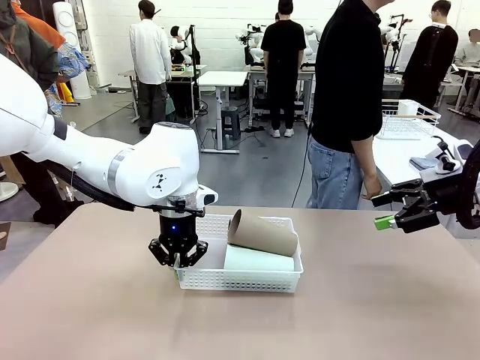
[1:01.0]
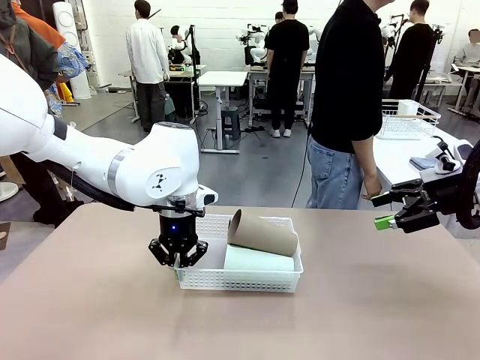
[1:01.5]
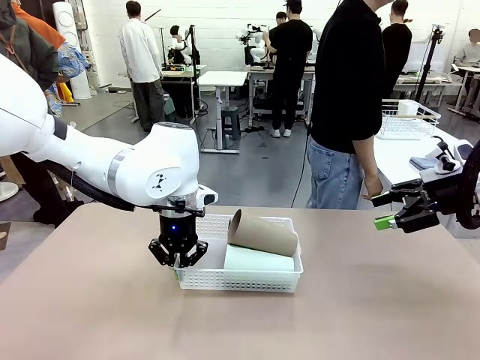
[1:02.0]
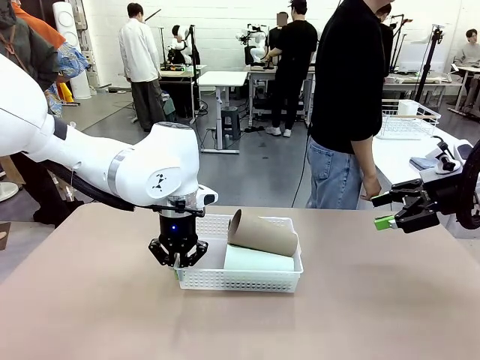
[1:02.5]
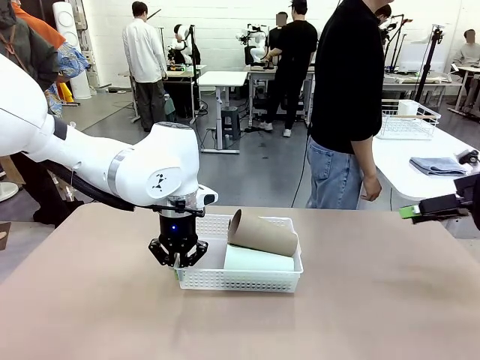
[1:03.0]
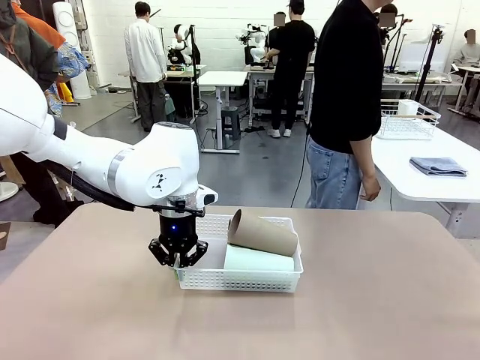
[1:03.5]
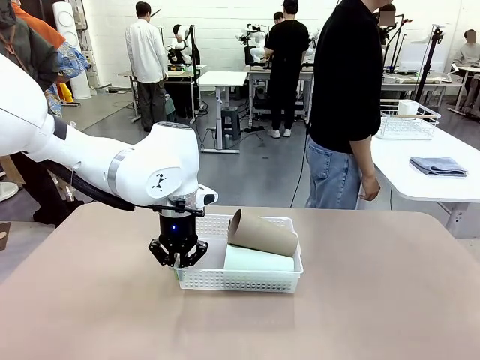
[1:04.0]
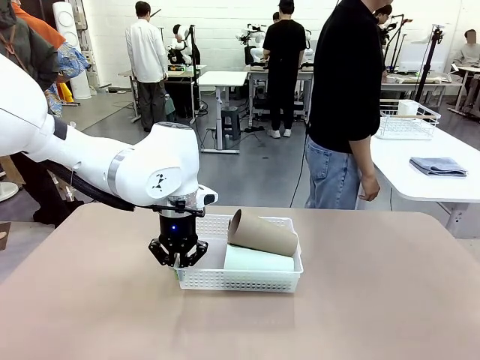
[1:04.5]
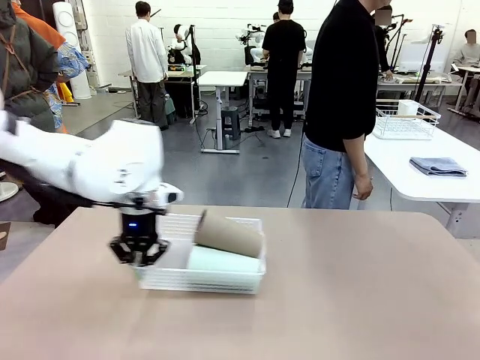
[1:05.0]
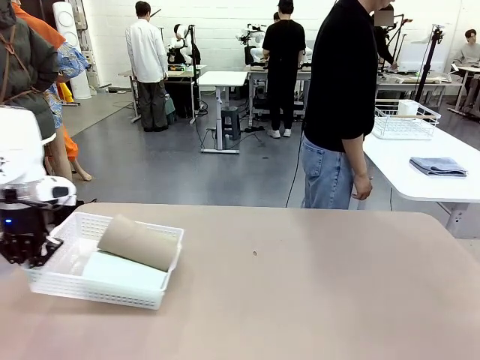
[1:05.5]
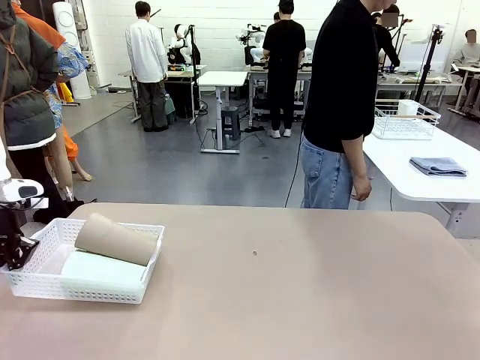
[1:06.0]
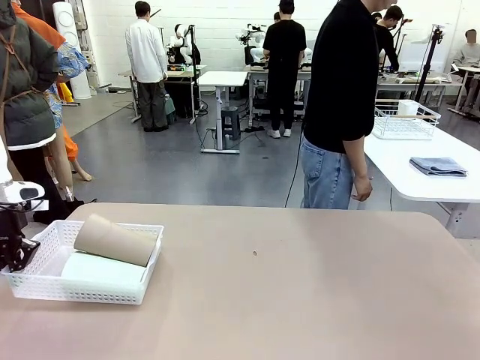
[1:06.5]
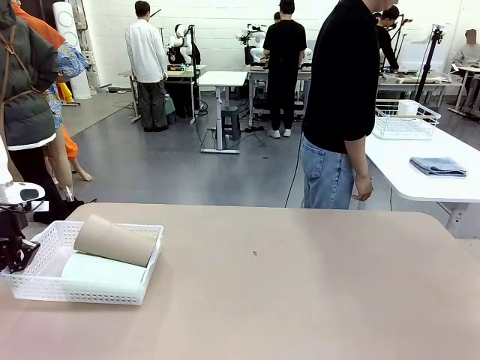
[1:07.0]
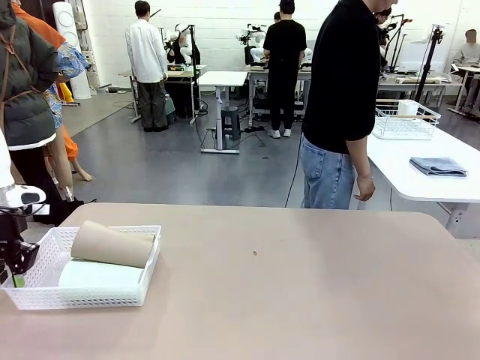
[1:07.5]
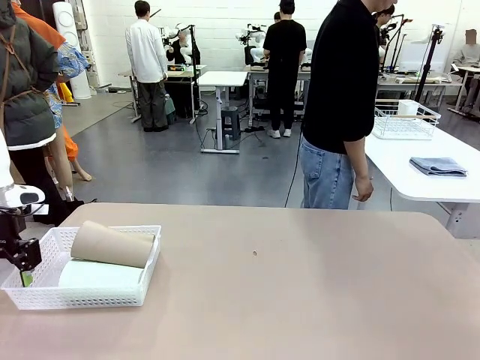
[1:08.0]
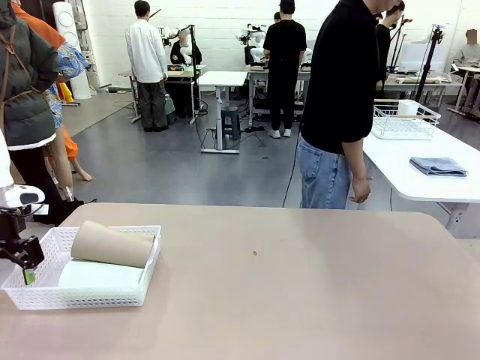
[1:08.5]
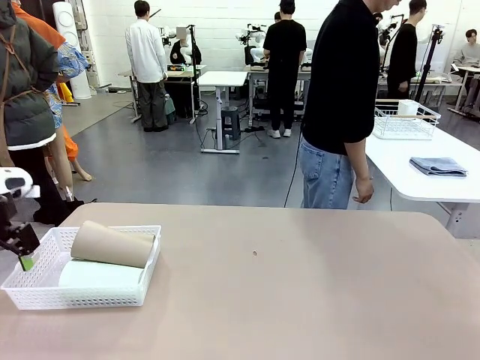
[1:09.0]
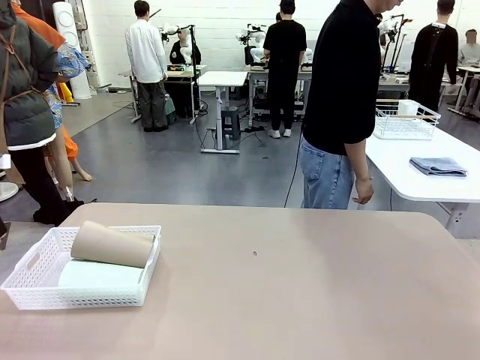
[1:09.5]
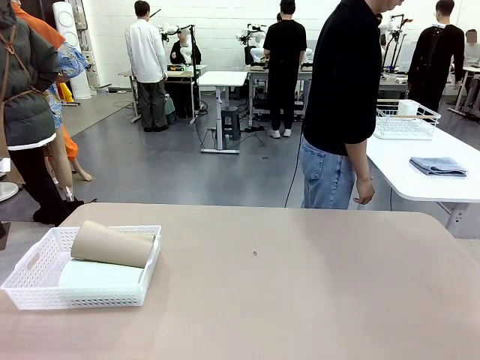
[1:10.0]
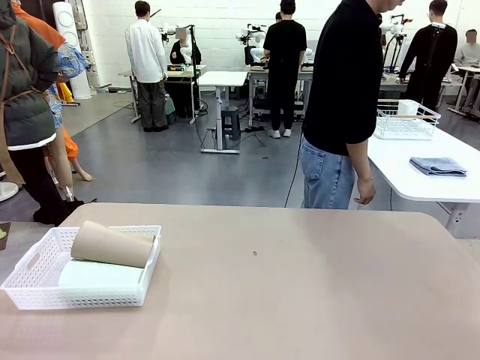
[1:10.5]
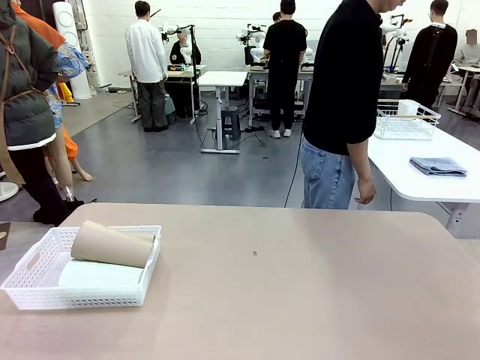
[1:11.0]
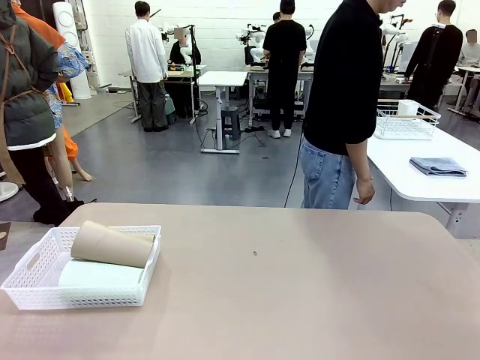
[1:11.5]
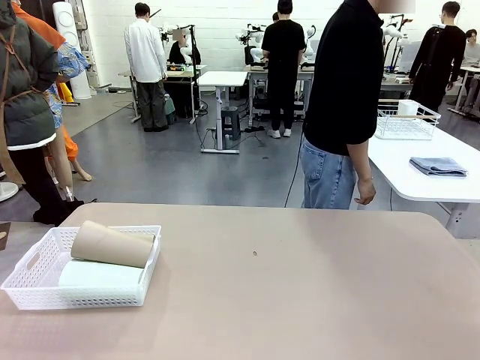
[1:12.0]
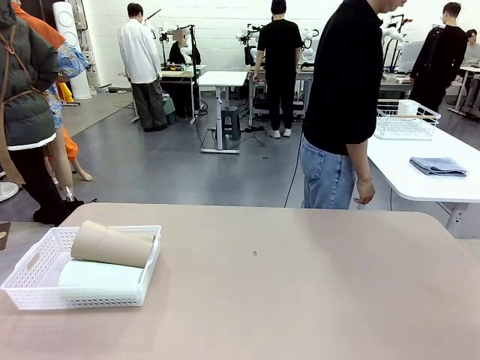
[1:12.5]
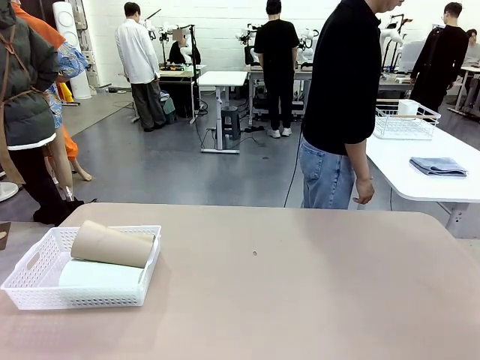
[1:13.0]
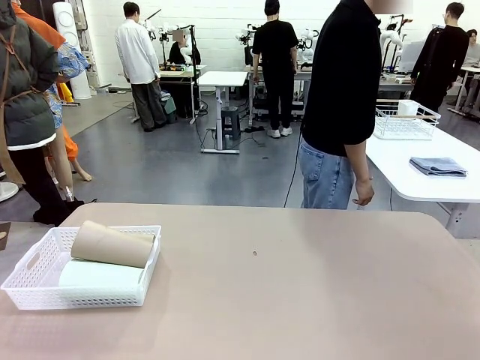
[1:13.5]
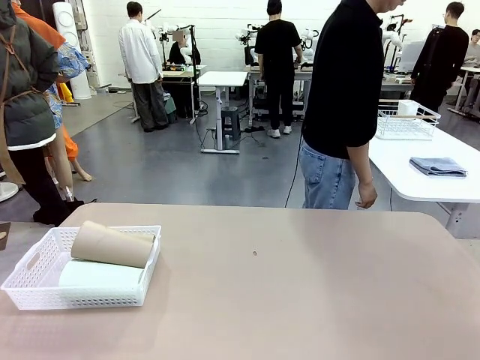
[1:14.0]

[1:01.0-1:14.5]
Task: Clean and organize the cups into the basket.
Robot: Move the Organizing basket back to the left side of the table.
Person: Folds the towel in half twice and places it in the right of the table.

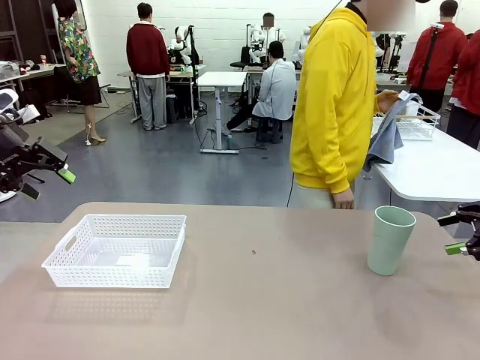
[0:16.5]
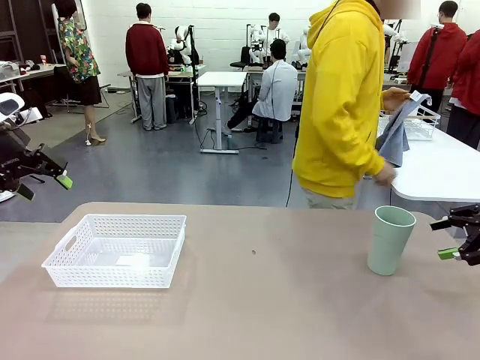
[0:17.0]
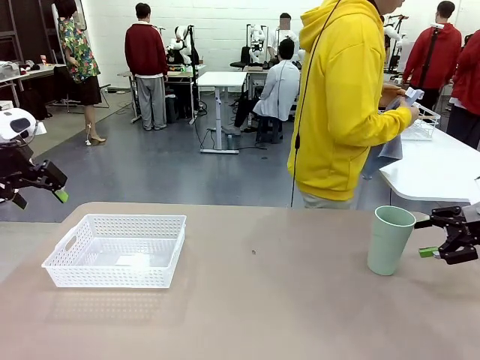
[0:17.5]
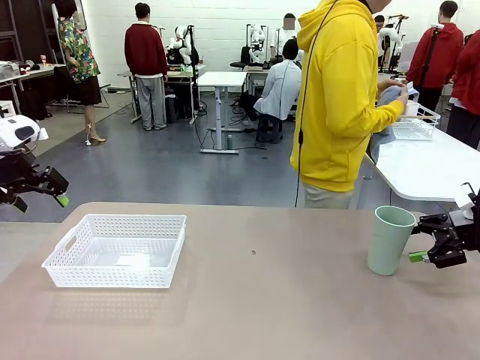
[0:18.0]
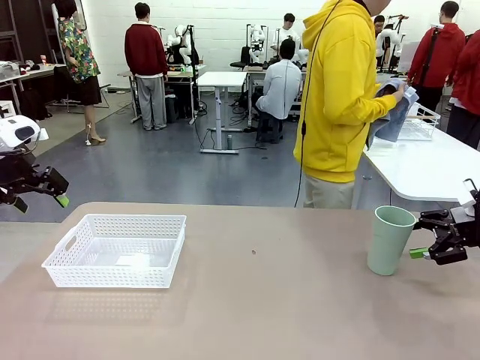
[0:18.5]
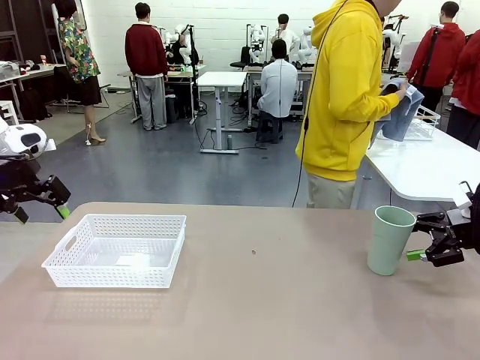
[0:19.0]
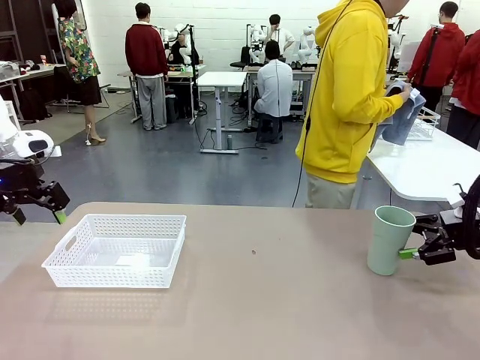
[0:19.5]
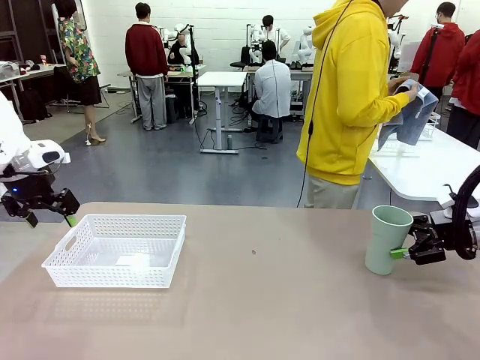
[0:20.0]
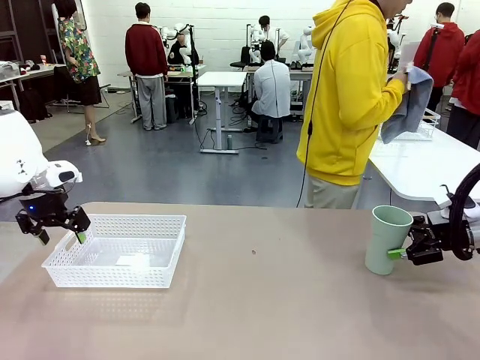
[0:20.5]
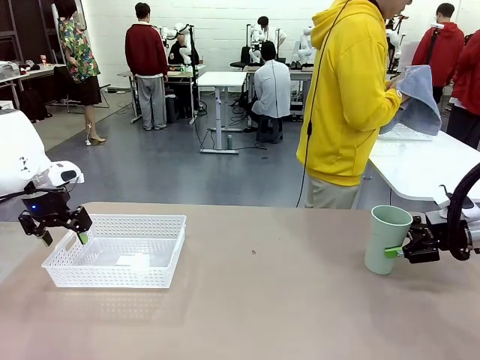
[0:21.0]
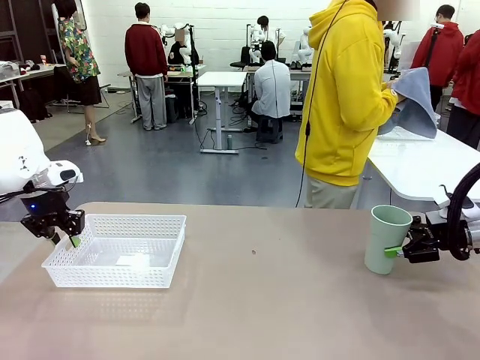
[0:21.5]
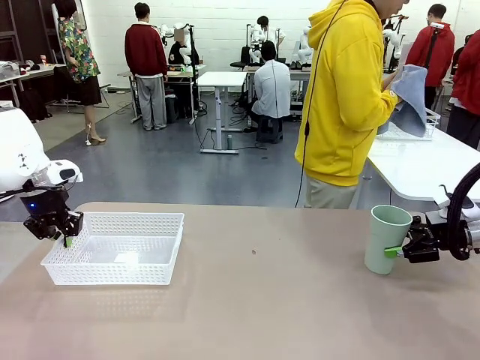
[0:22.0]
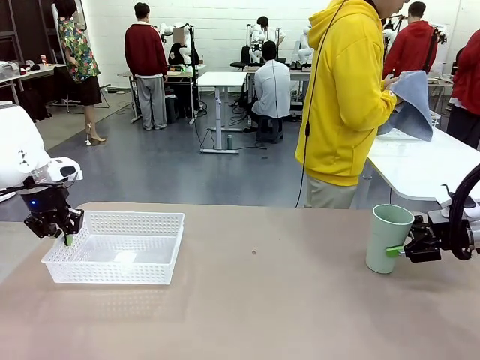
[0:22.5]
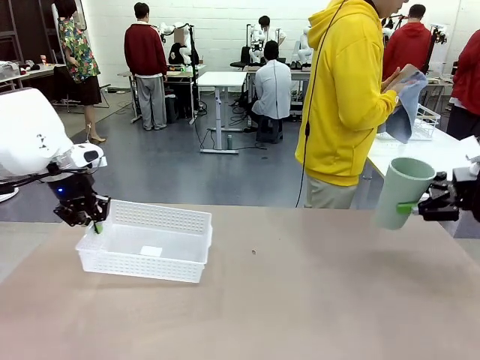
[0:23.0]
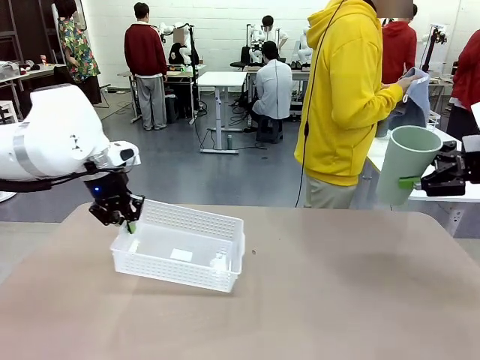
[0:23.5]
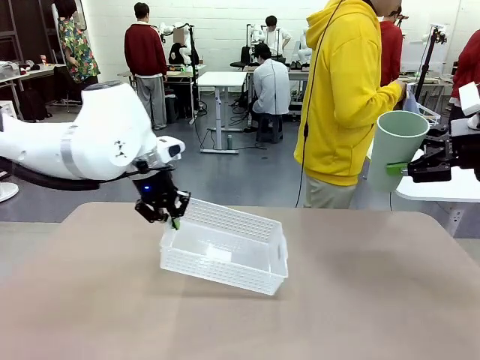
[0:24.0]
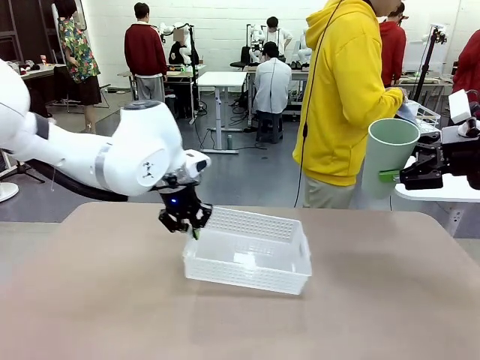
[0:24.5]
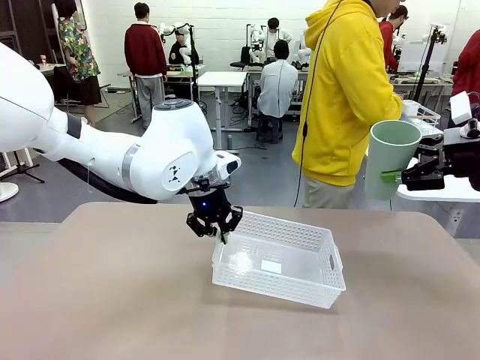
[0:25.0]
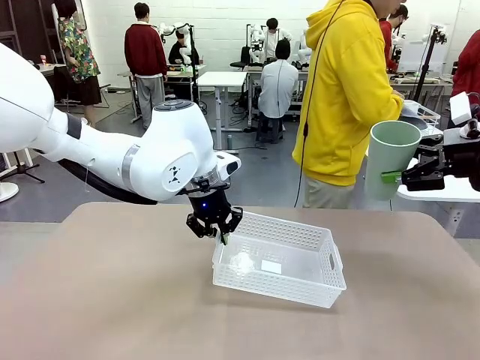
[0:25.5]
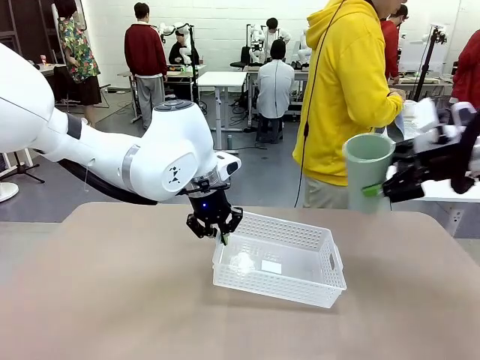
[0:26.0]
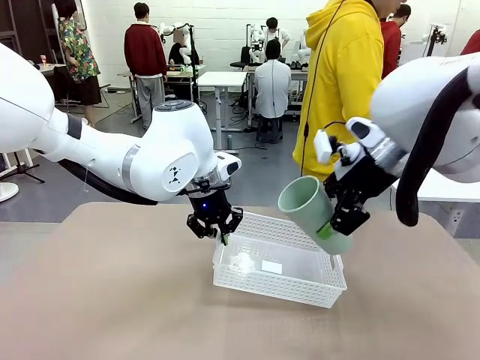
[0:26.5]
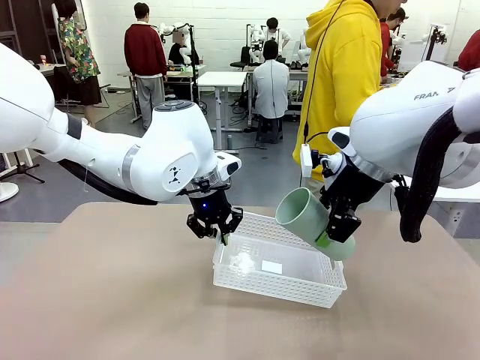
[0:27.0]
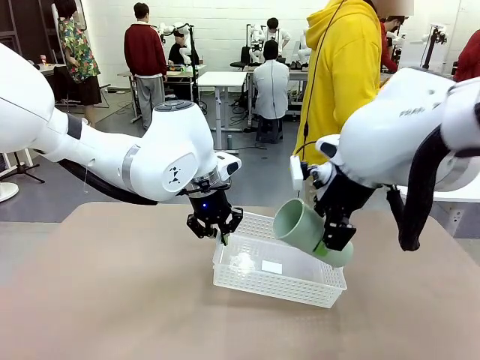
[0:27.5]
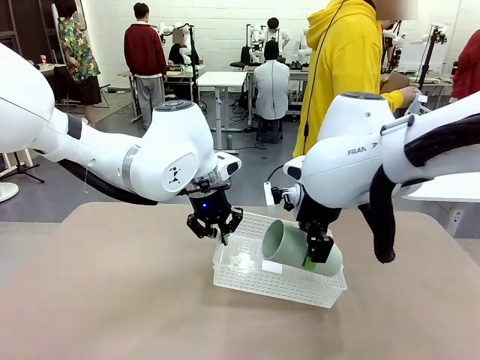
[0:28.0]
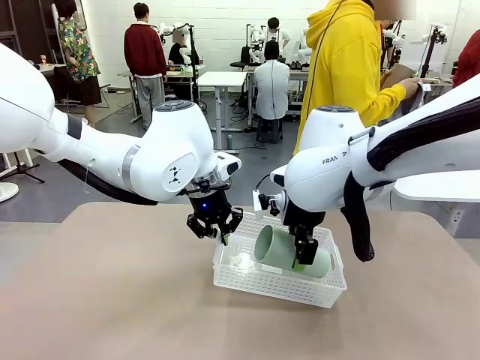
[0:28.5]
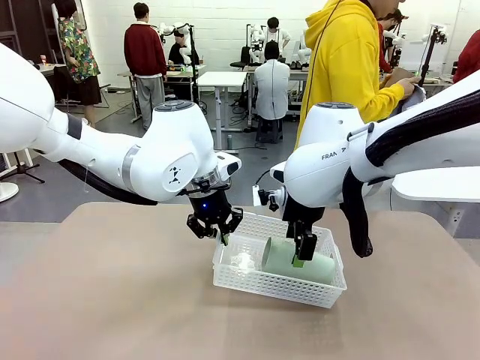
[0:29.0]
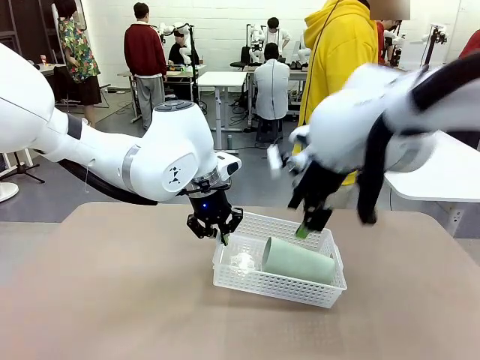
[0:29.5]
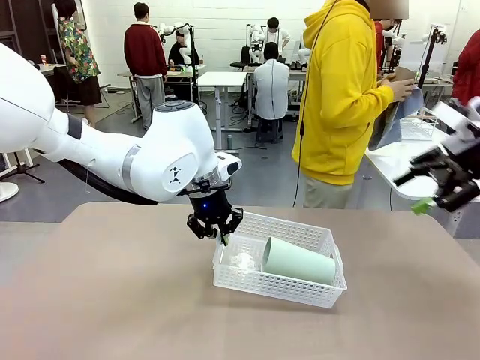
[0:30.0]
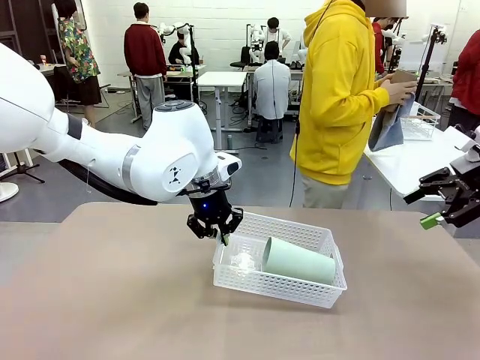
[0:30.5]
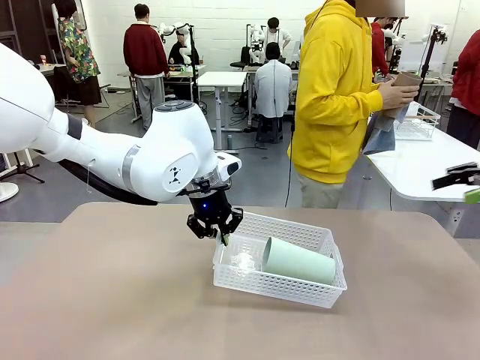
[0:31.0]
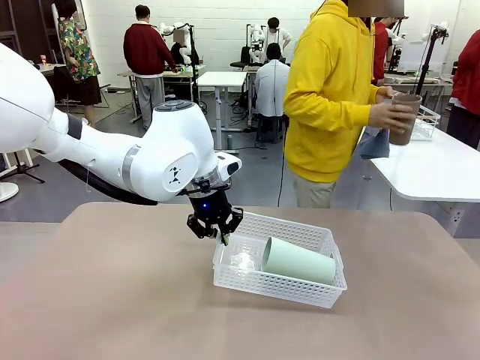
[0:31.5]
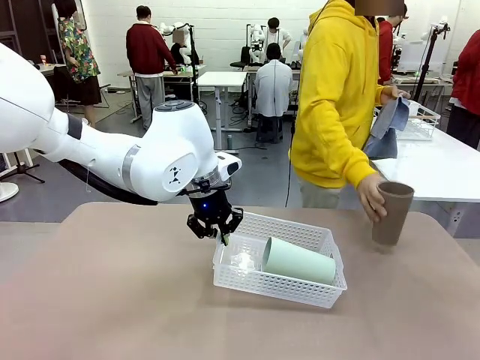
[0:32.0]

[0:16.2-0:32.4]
Task: Clean and organize the cups into the basket.
Robot: Pick up the Organizing basket and move it to the center of the table, then pick up the Reusable plastic cup from the right side of the table and place it inside the Organizing basket.
Person: Picks up a cup from the drying rack, cleans the cup with the towel, and places it on the left side of the robot table.
